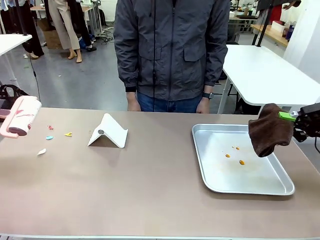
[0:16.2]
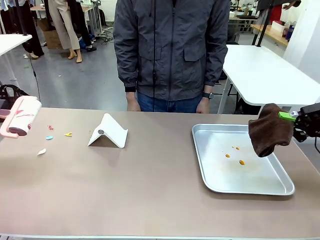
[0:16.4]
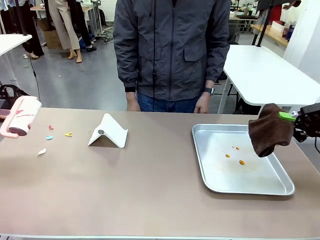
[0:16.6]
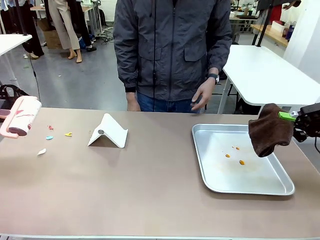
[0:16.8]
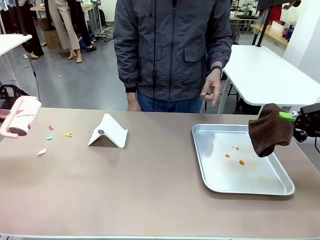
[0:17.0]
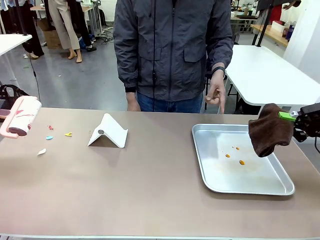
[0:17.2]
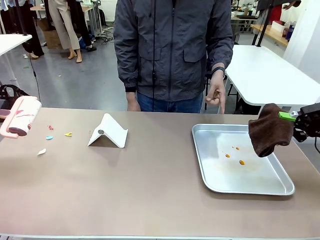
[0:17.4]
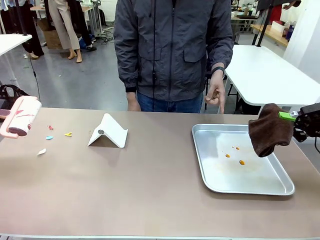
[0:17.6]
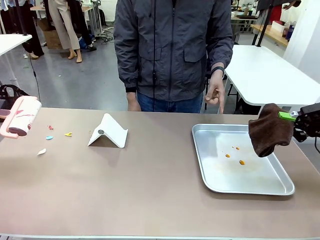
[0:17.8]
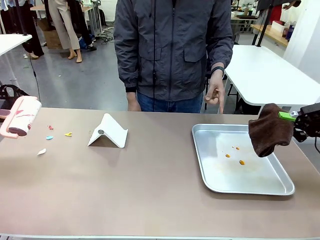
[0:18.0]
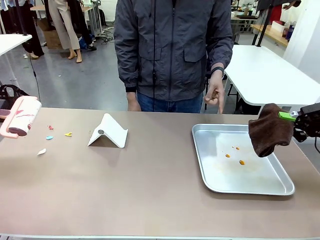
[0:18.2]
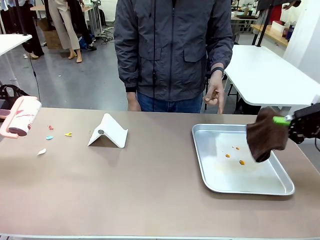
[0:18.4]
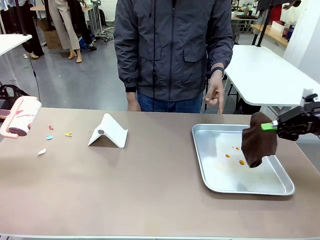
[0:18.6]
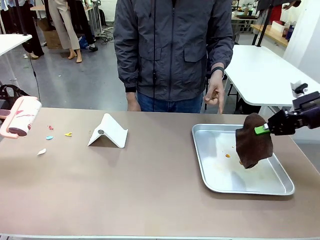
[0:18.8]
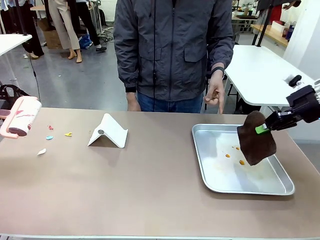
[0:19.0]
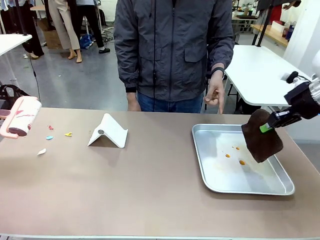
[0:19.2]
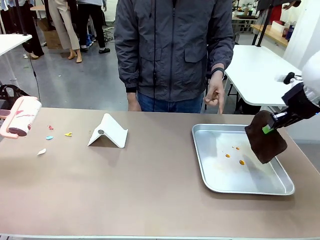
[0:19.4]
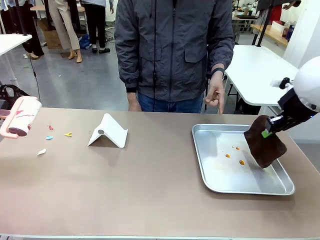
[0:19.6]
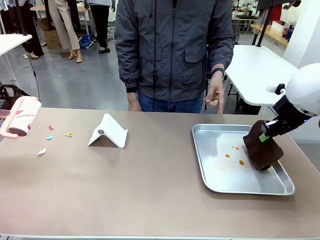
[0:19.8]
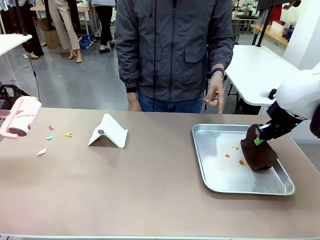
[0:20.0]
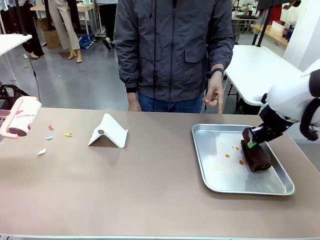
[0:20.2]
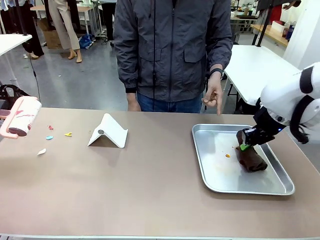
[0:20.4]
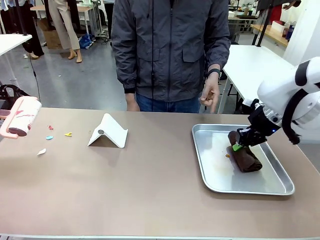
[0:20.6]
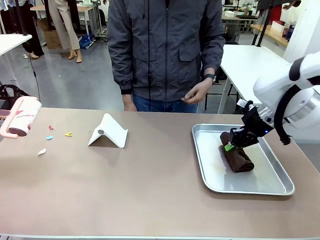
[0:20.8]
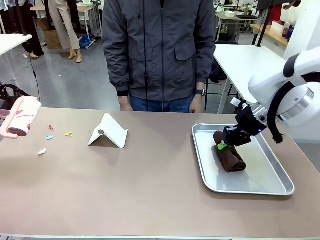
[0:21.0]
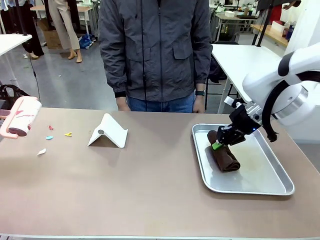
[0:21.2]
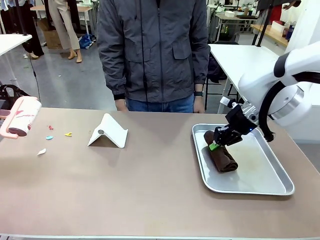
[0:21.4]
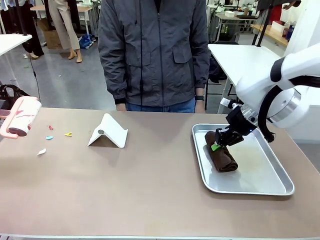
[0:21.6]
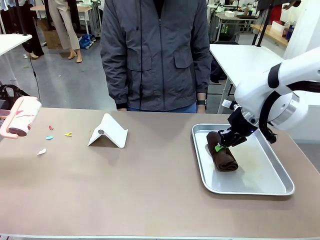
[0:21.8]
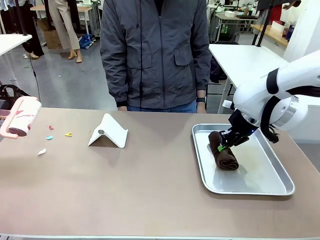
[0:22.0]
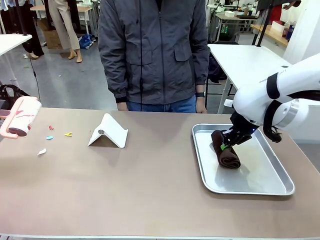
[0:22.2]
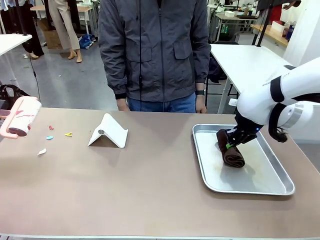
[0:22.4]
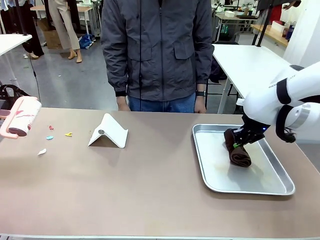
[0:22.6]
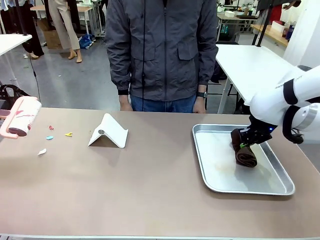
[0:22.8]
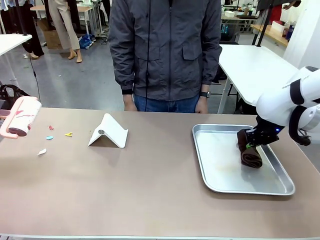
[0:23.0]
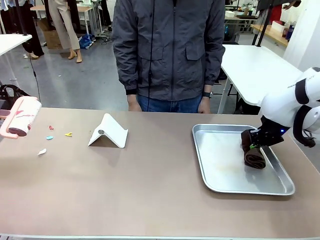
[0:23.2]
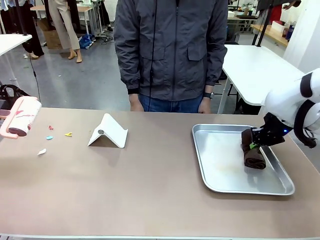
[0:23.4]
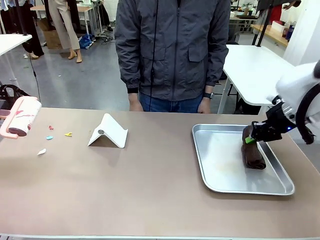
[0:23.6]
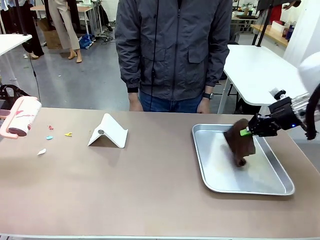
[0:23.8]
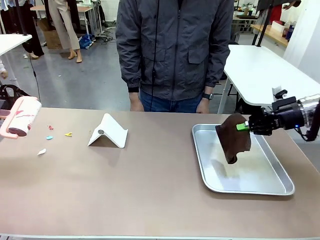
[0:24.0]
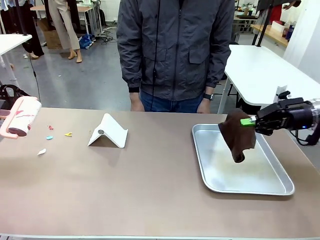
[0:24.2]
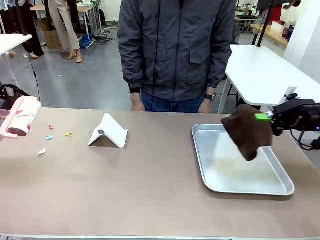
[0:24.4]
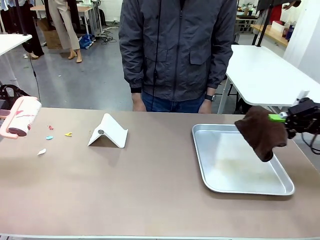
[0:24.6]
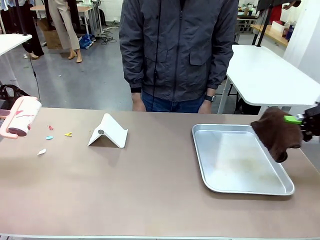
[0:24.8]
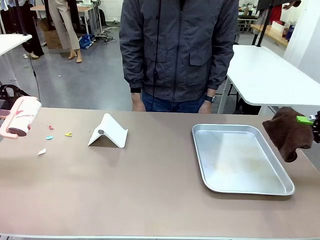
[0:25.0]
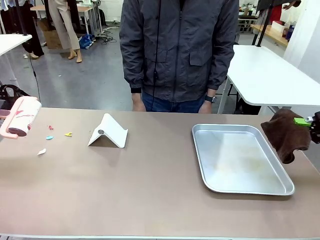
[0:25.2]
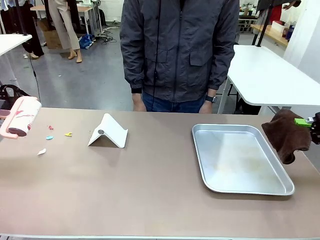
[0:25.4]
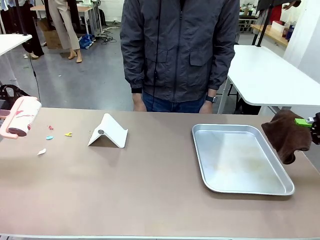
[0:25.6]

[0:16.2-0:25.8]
Task: Clean the surface of the table.
Robot: If a person points to the right, clean the right side of the table with your right hand, and if they point to the left, clean the left side with your left hand.

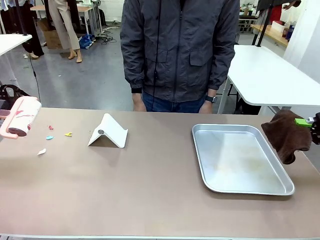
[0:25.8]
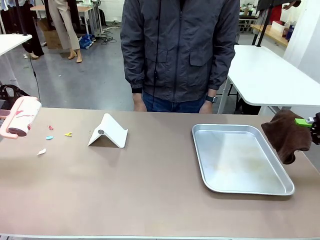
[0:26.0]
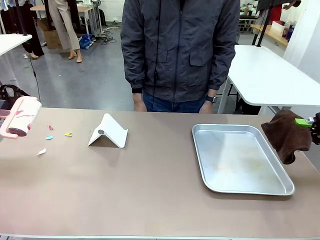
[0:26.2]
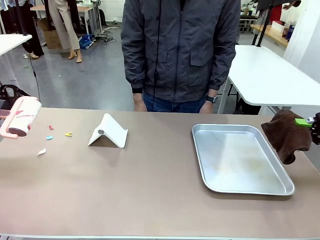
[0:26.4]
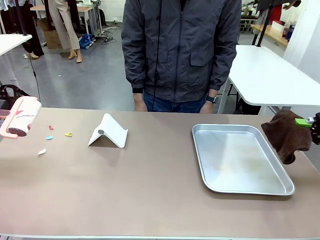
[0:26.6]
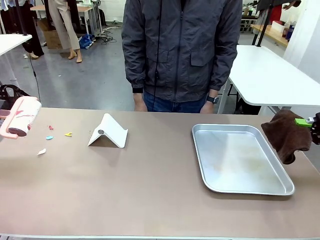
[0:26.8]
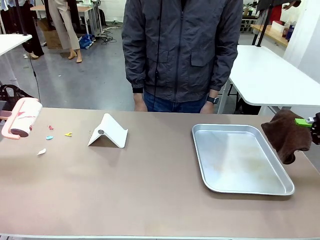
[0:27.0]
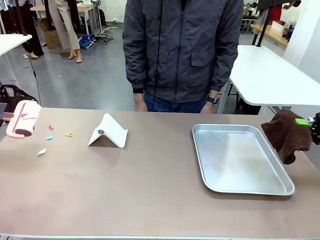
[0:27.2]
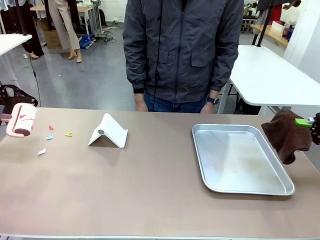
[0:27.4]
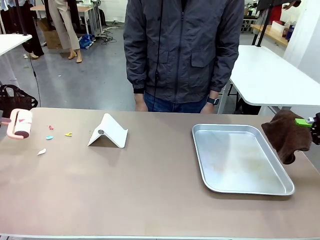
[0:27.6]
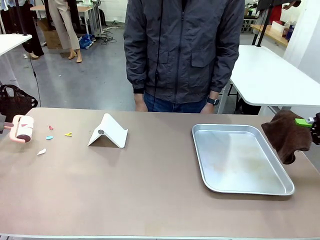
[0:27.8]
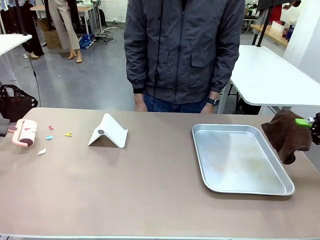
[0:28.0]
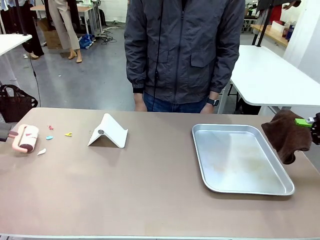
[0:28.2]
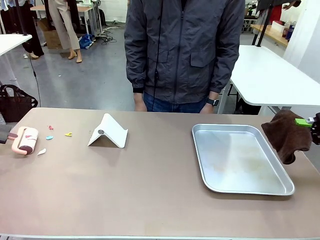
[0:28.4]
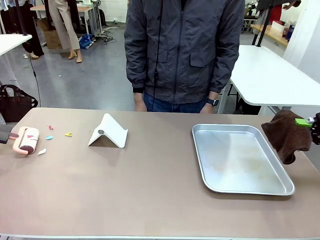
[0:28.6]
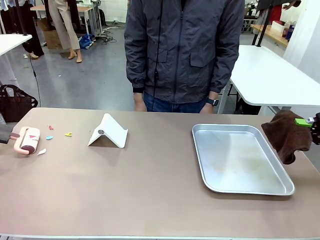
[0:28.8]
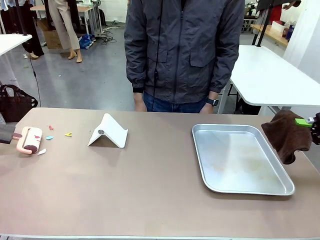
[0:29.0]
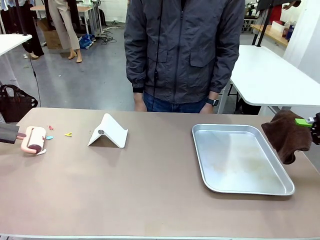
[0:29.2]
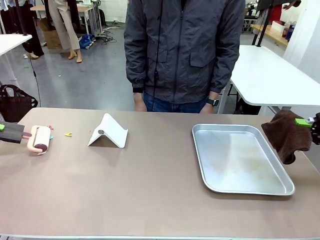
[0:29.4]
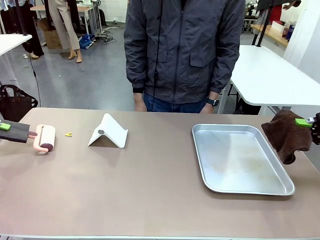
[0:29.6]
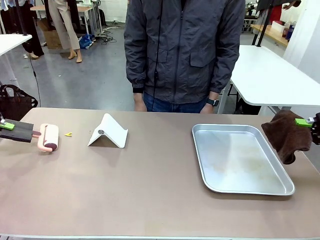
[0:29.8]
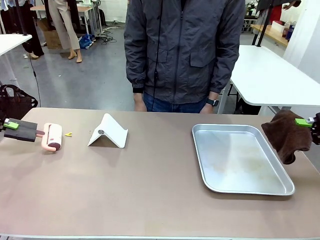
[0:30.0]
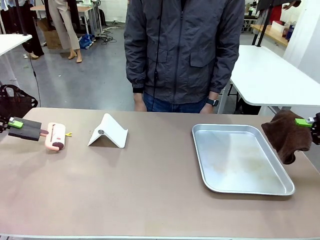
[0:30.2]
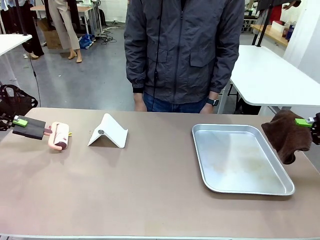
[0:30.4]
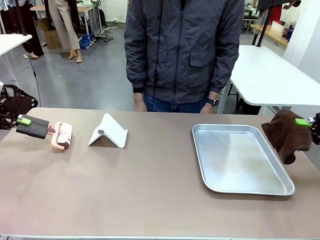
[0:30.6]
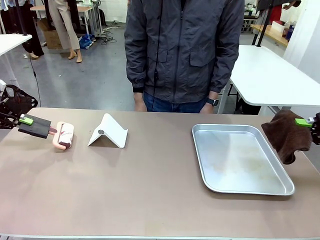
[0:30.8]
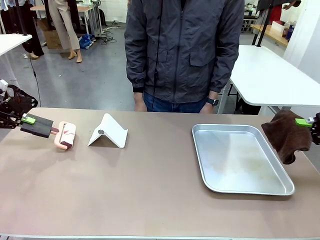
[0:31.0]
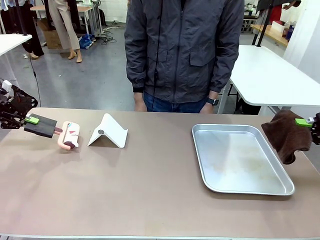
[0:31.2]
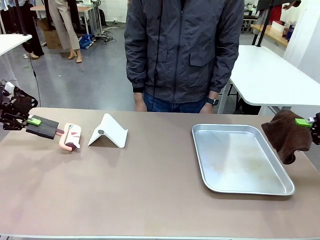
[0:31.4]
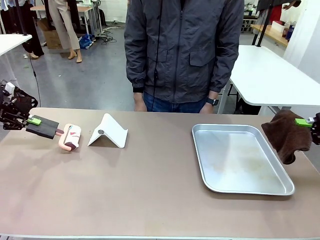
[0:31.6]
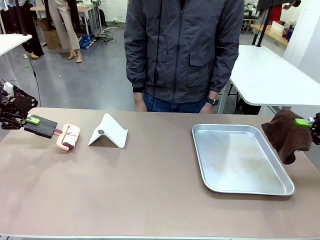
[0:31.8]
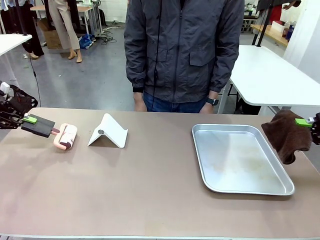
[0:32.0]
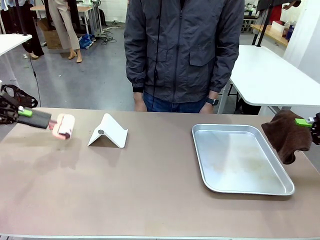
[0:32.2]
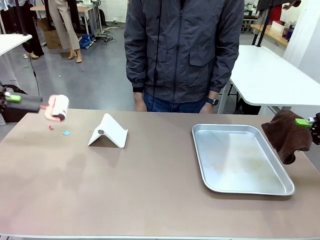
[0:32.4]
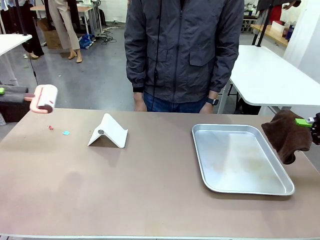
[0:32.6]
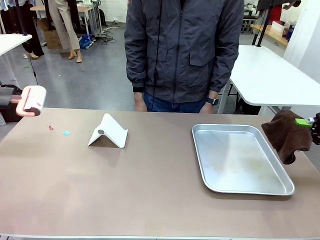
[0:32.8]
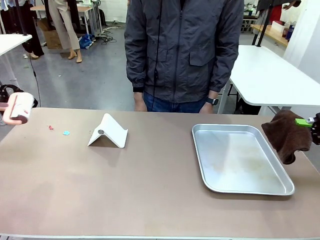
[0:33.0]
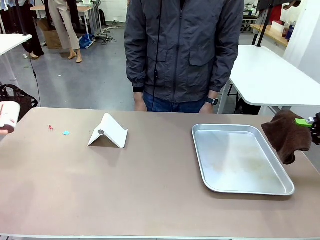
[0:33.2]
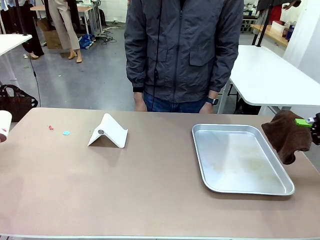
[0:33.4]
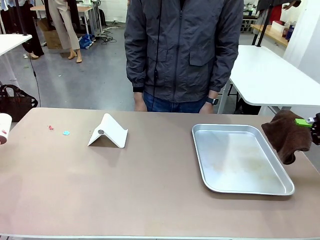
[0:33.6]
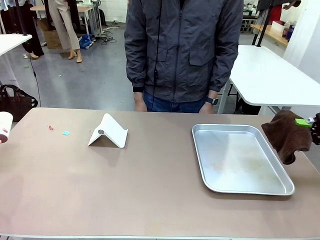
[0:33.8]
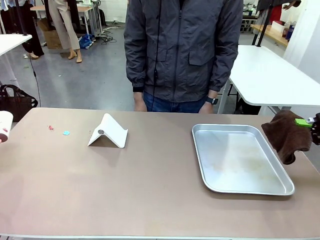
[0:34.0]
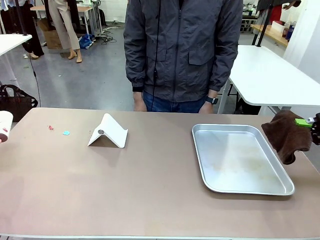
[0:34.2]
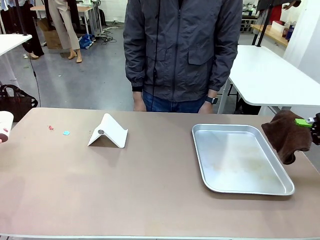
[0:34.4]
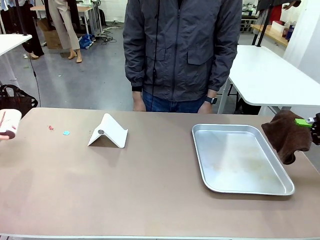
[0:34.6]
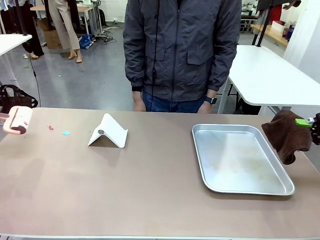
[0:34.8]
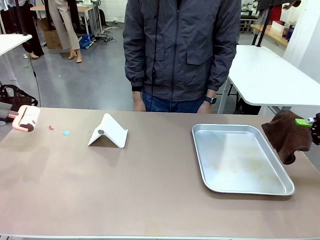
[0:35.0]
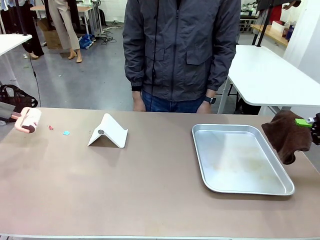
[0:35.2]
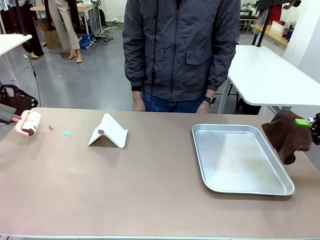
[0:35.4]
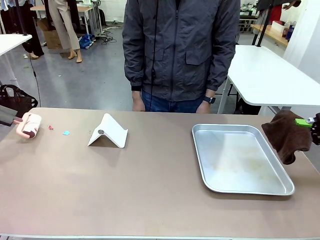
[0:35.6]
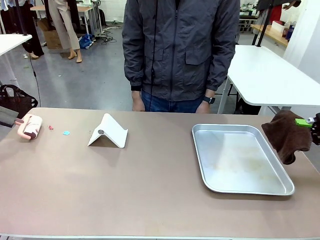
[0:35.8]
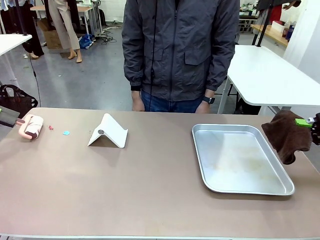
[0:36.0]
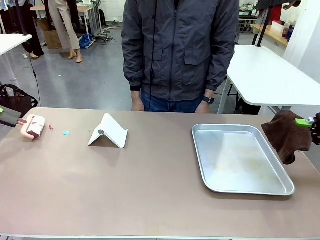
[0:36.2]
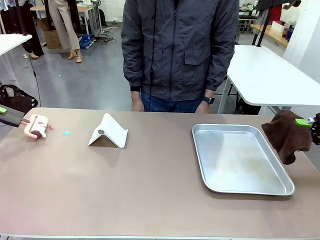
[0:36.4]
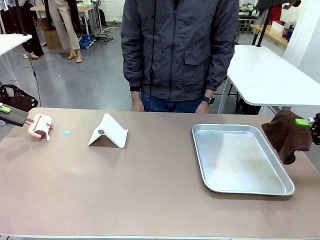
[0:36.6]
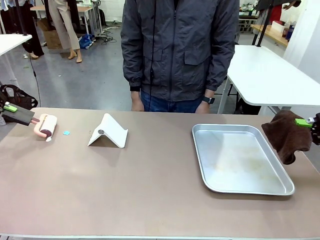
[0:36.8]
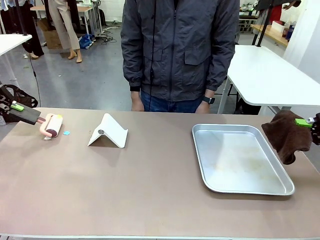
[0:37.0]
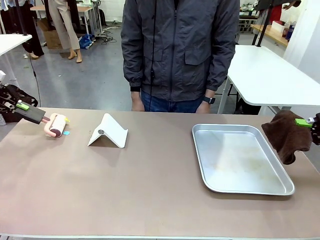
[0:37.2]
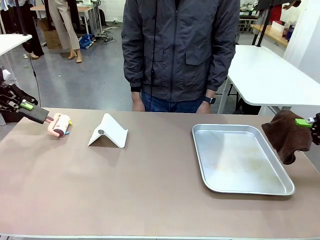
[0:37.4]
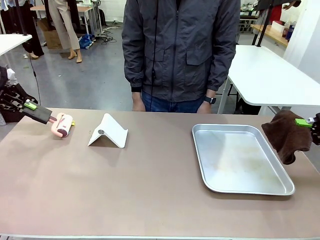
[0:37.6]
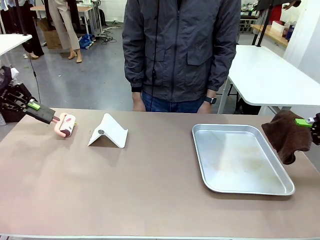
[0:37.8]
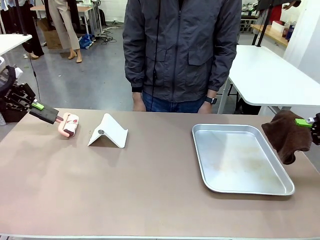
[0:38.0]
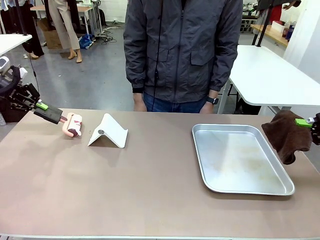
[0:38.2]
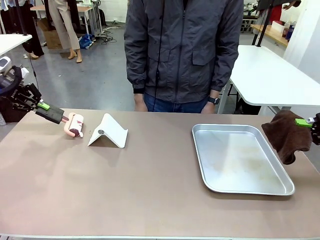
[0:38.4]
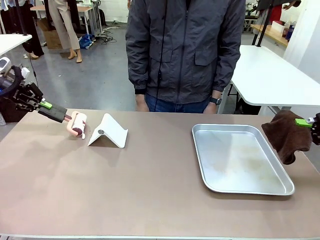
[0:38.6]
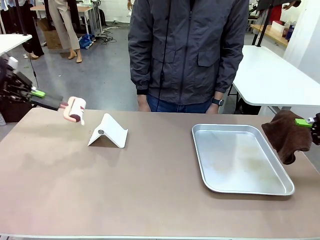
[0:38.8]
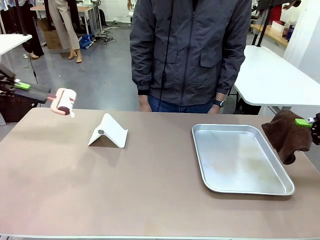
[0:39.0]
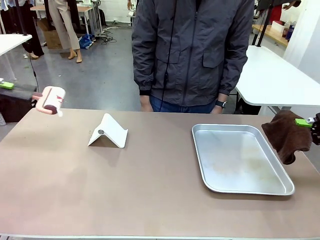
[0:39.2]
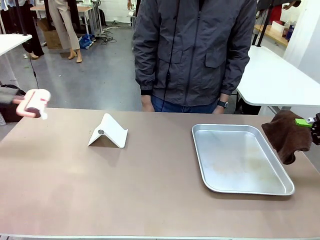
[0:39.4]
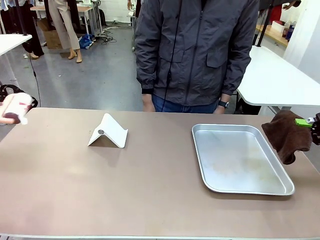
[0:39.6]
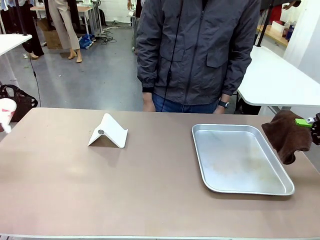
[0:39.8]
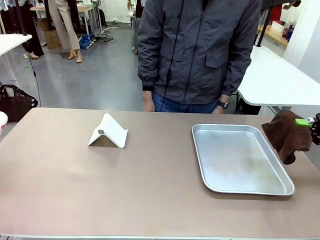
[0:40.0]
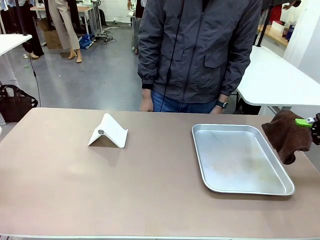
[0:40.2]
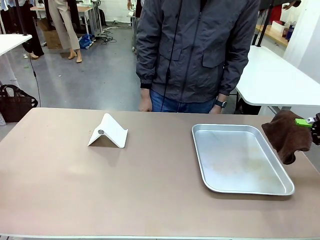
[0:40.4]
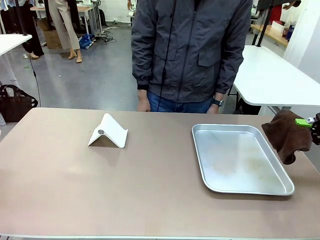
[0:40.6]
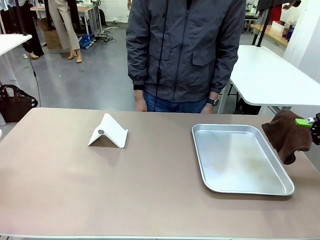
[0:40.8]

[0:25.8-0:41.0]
Robot: Clean the area not pointed to by the person.
